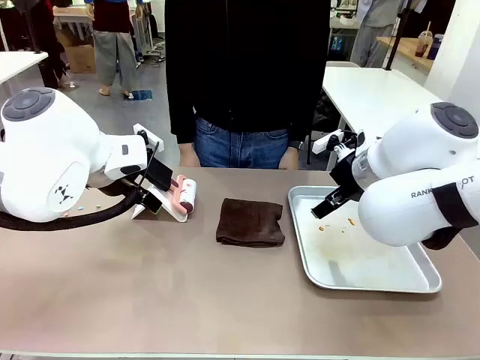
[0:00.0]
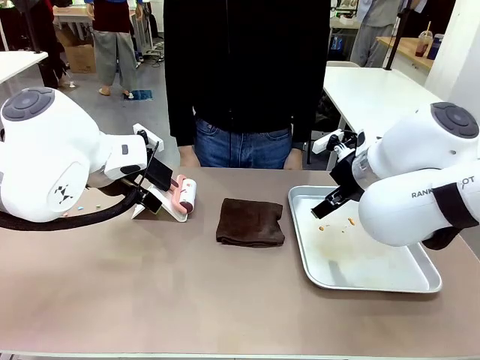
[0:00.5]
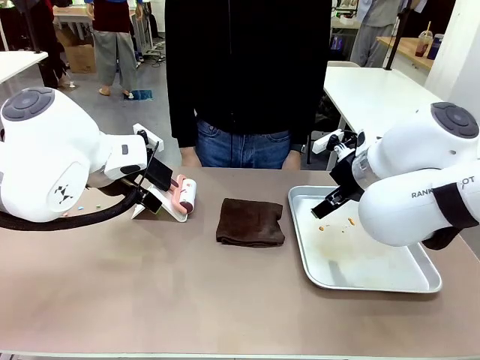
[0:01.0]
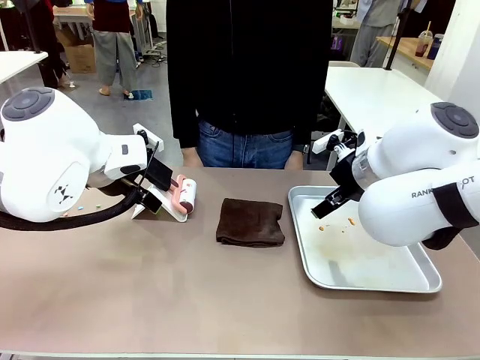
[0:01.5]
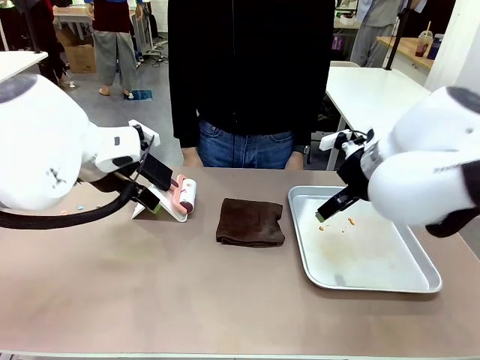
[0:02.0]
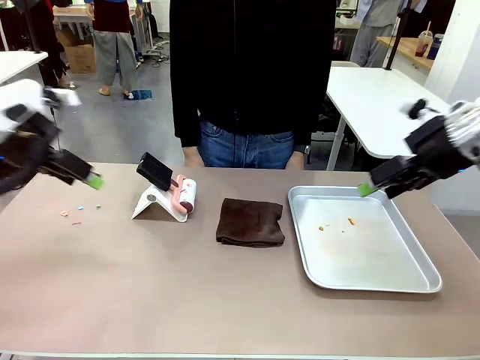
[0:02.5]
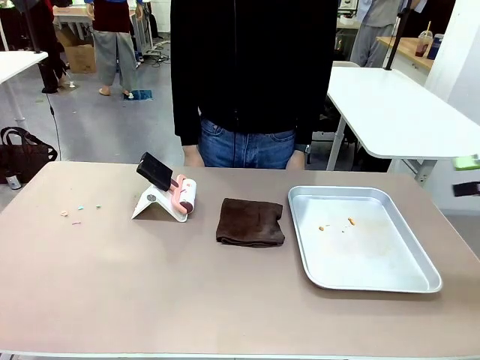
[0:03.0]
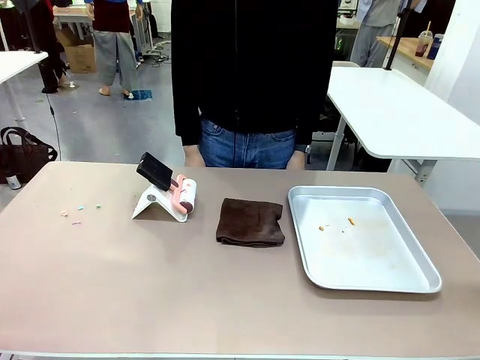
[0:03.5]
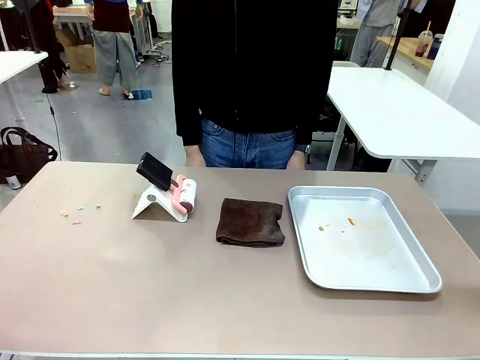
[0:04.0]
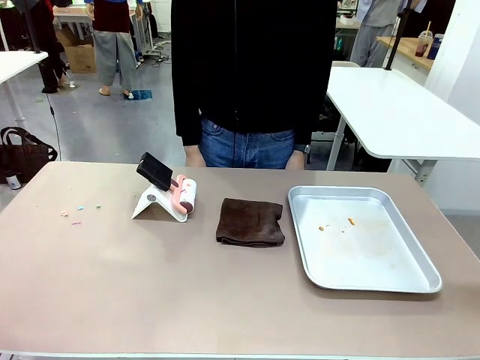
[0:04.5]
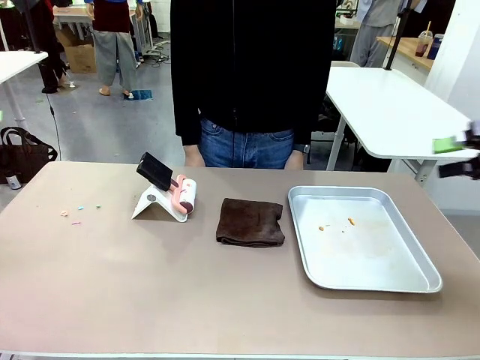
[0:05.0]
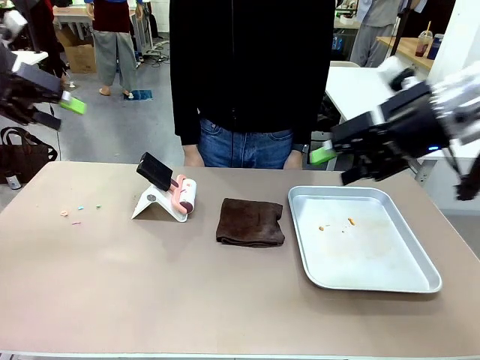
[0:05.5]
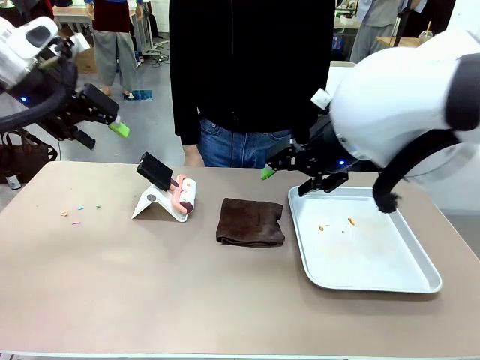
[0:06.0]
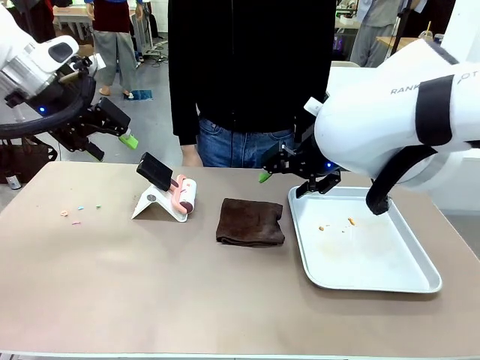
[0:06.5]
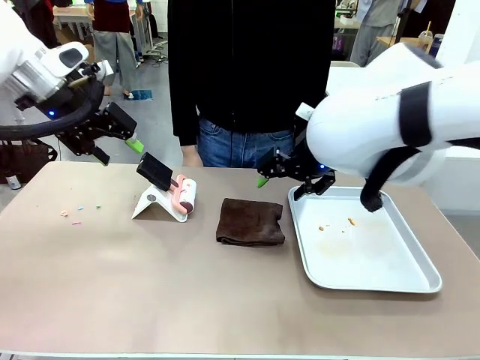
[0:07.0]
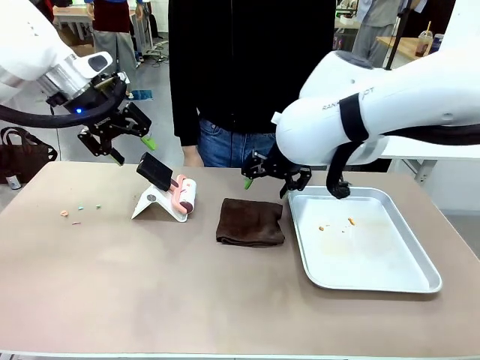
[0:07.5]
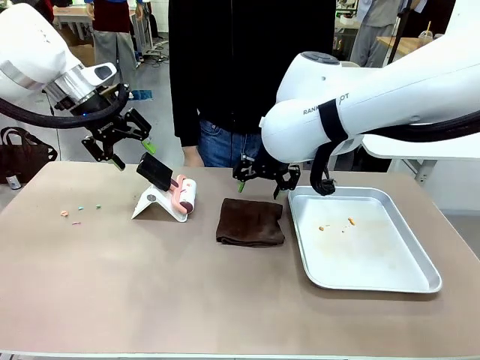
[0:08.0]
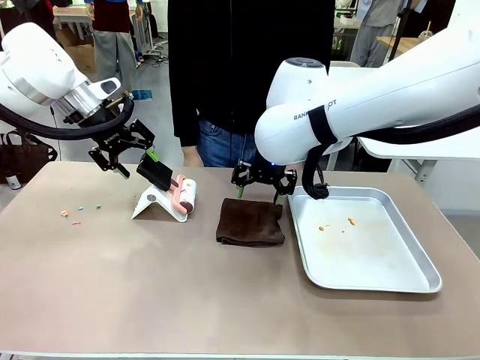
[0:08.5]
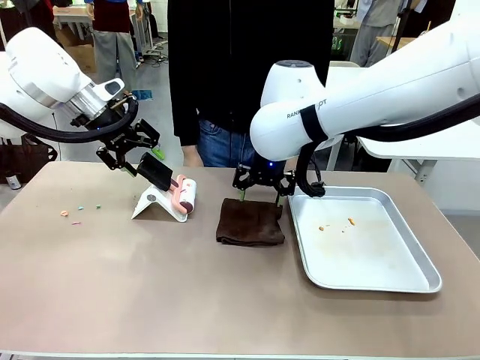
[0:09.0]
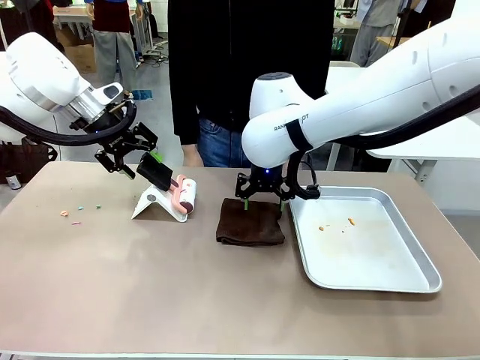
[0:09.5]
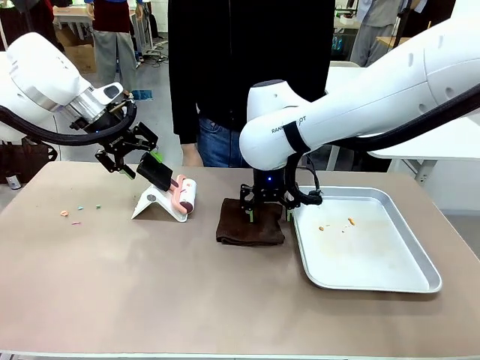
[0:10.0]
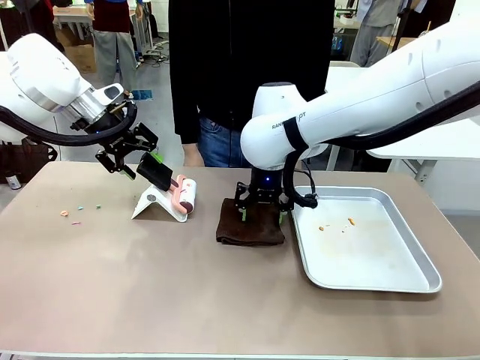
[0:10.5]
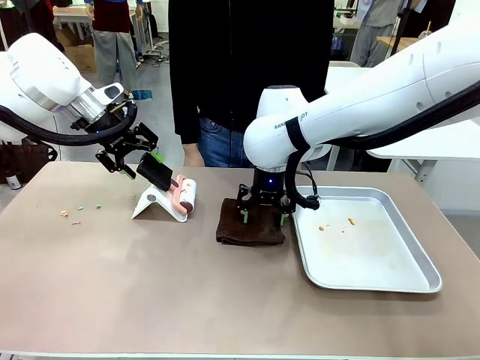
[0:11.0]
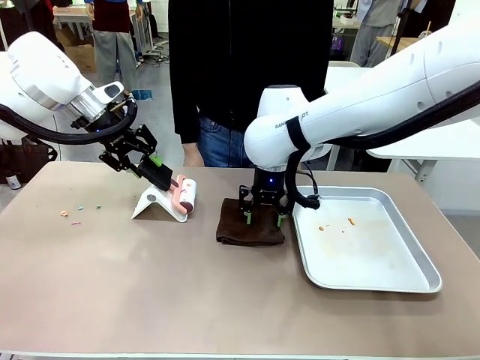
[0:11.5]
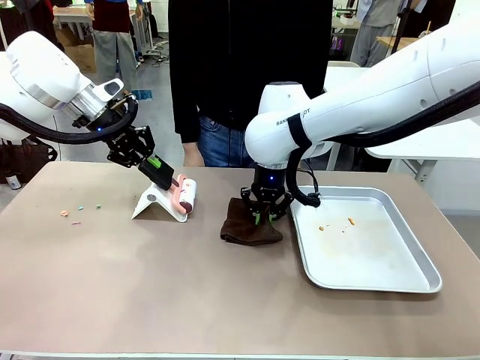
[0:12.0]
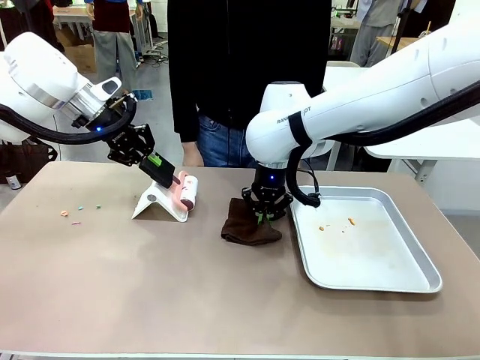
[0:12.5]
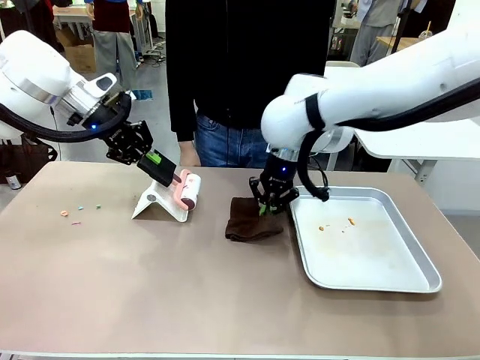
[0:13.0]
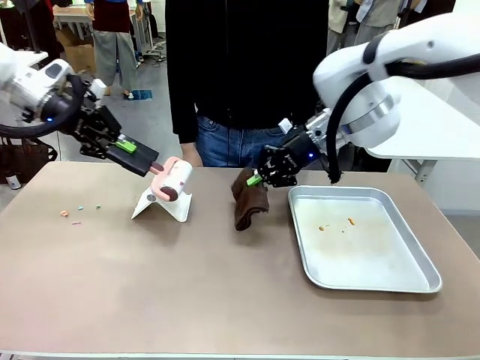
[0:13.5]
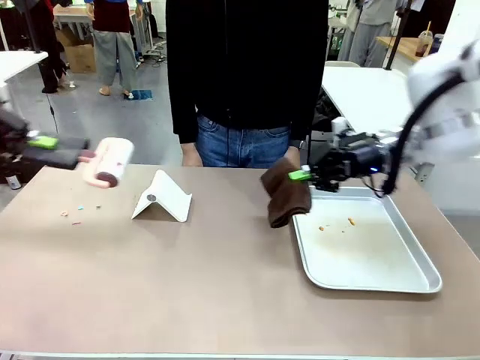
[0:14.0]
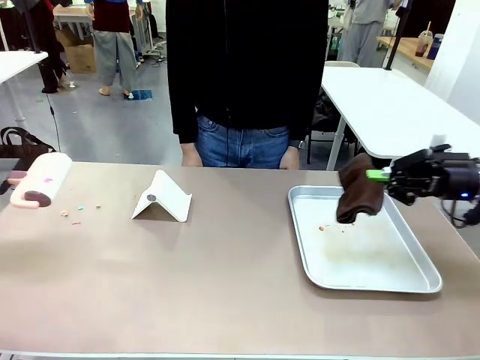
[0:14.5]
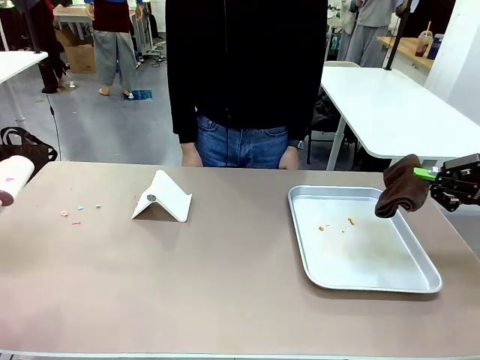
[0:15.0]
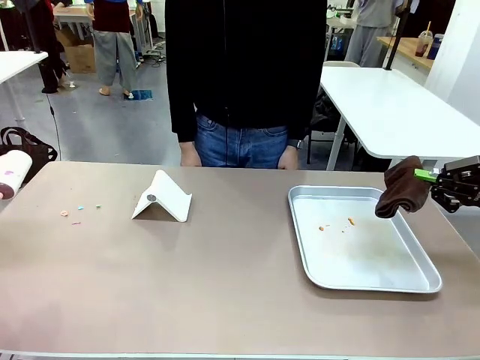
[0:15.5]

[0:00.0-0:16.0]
Task: Clean the surface of the table.
Robot: Hold the Lint Roller with your left hand and the towel with your right hand.

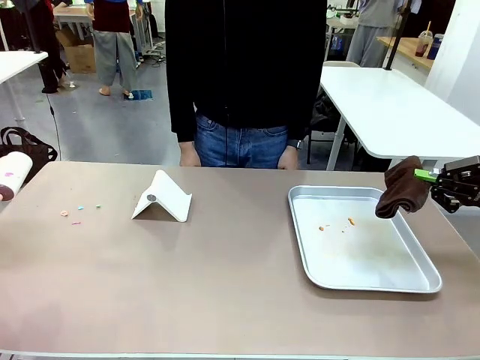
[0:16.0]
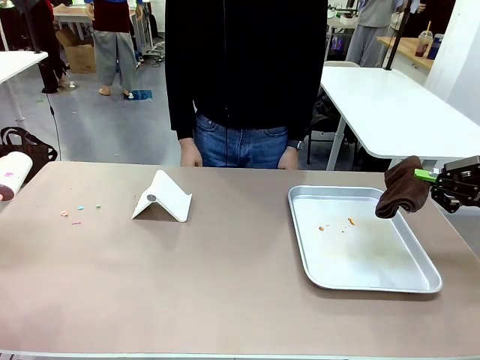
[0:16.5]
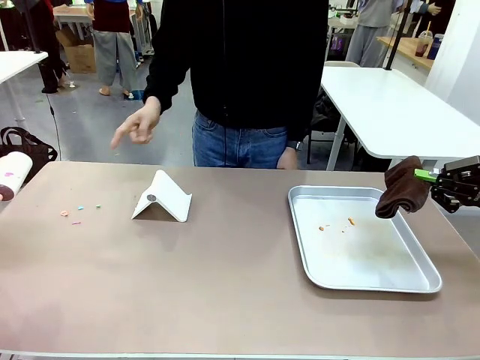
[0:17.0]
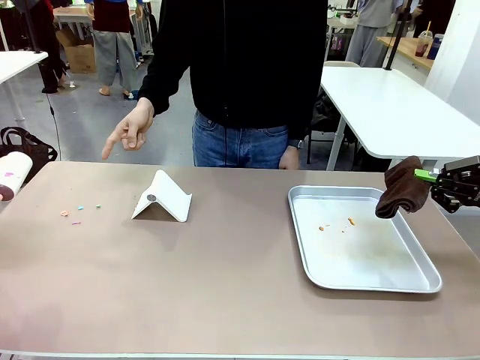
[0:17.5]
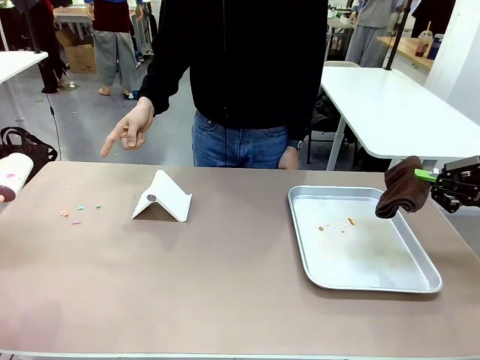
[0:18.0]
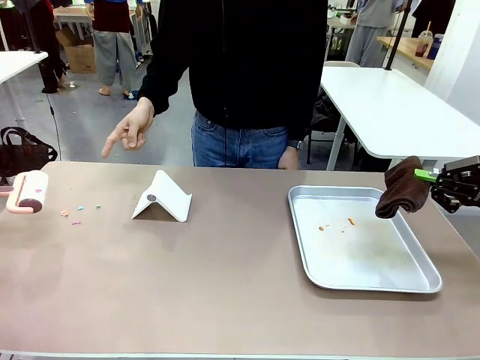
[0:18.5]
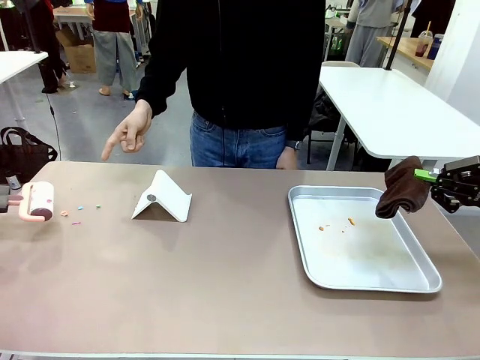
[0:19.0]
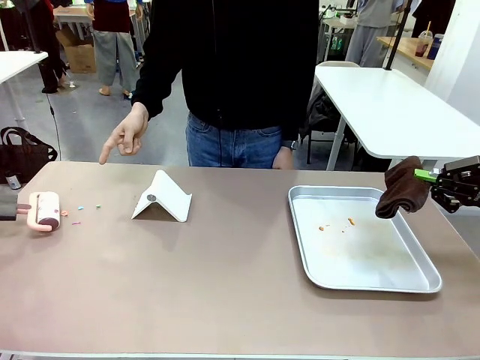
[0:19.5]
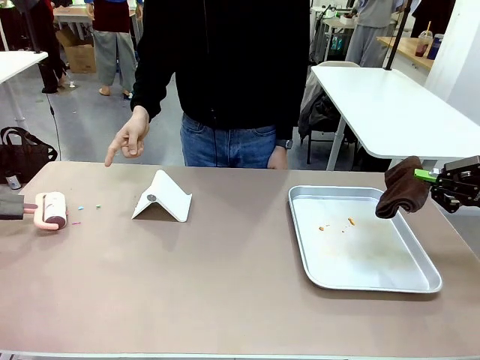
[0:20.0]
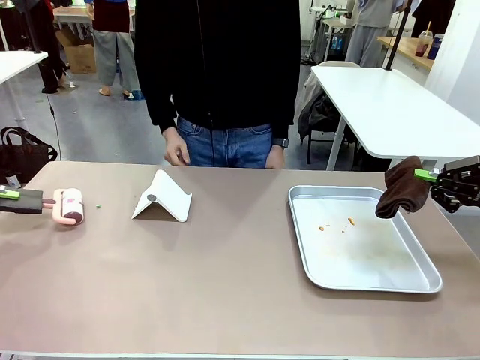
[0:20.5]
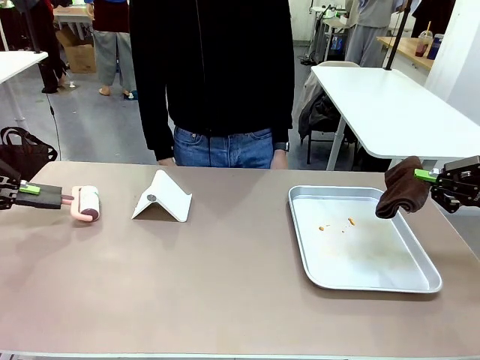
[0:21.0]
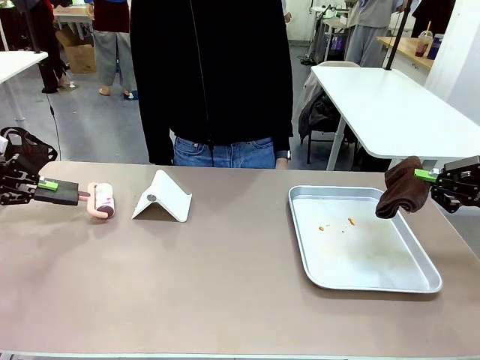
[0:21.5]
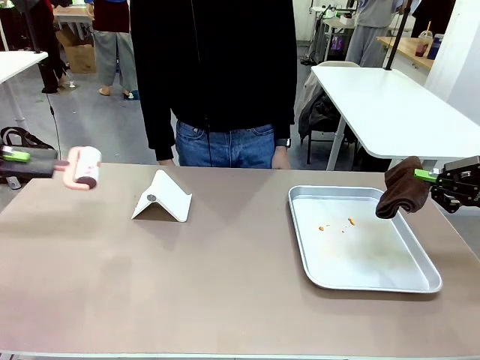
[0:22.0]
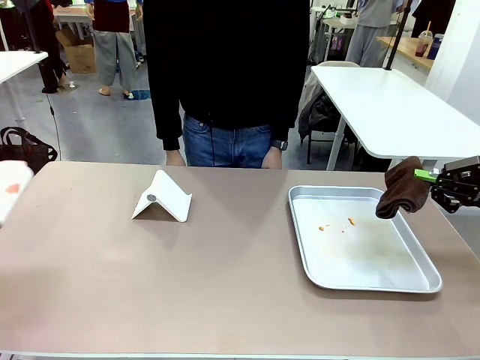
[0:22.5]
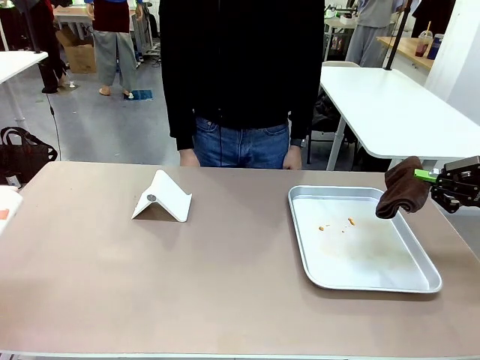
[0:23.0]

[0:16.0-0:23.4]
Robot: If a person points to the right, clean the right side of the table with your right hand, and if they point to the left, clean the left side with your left hand.
